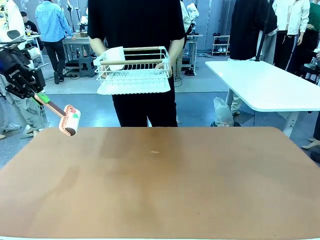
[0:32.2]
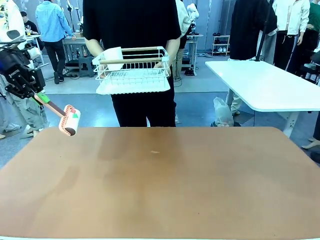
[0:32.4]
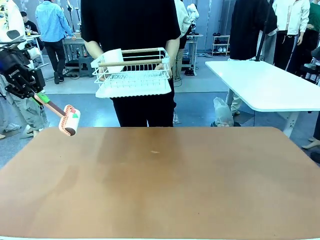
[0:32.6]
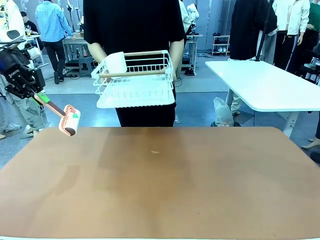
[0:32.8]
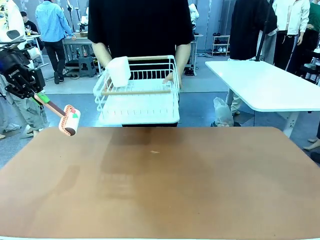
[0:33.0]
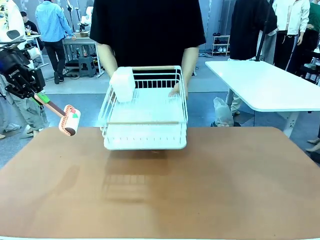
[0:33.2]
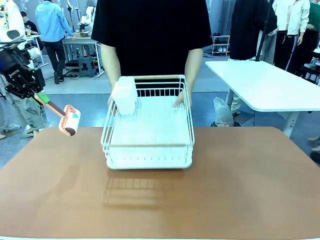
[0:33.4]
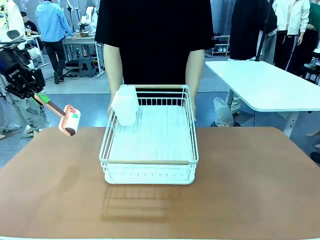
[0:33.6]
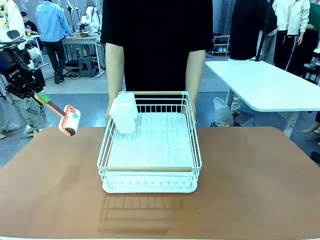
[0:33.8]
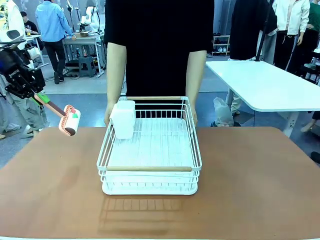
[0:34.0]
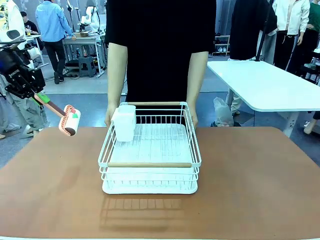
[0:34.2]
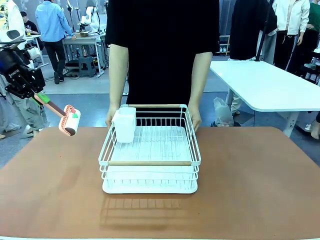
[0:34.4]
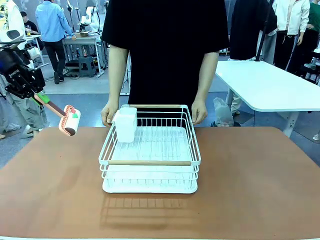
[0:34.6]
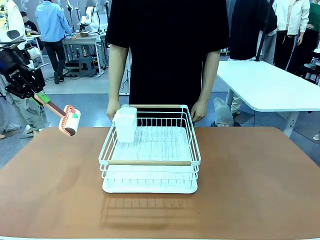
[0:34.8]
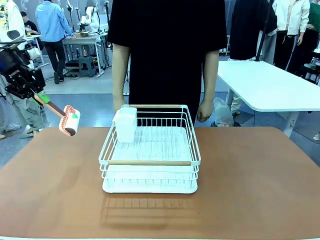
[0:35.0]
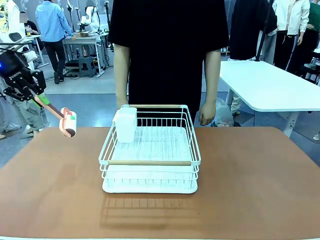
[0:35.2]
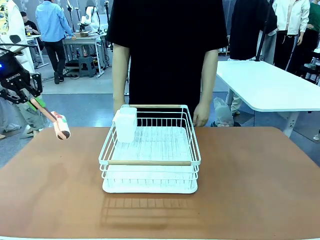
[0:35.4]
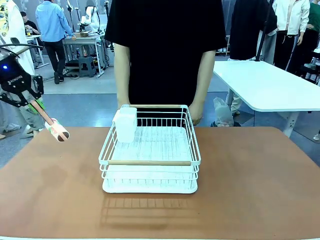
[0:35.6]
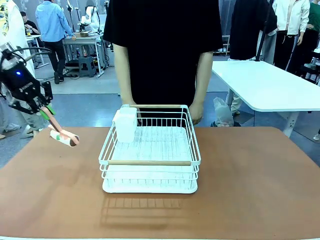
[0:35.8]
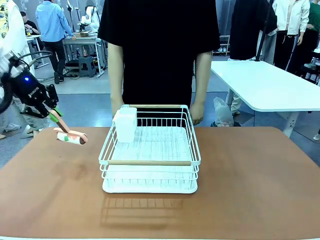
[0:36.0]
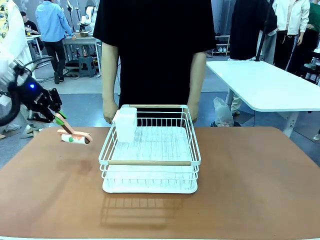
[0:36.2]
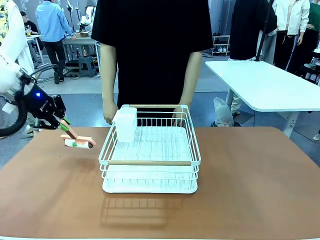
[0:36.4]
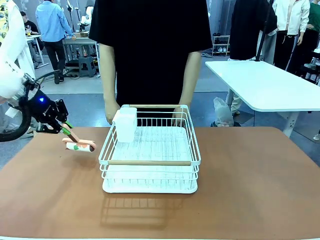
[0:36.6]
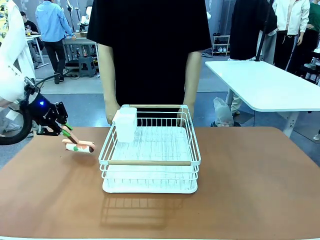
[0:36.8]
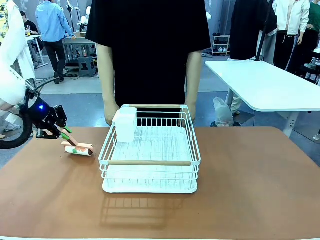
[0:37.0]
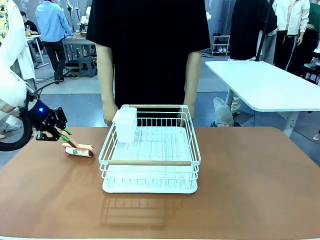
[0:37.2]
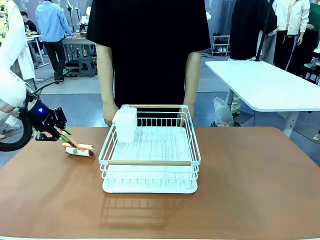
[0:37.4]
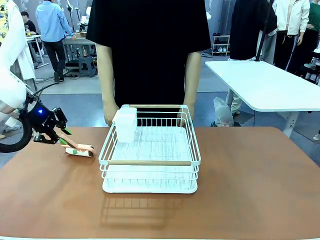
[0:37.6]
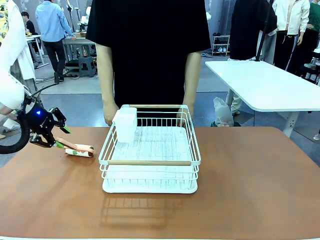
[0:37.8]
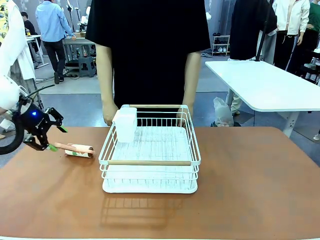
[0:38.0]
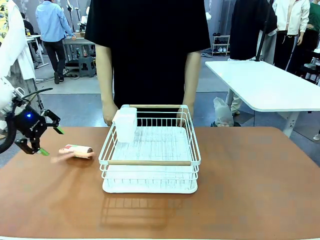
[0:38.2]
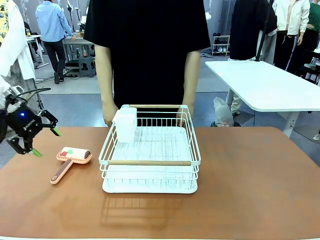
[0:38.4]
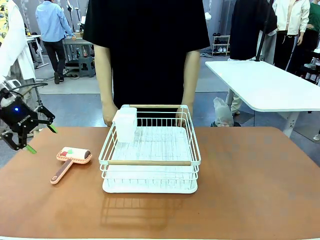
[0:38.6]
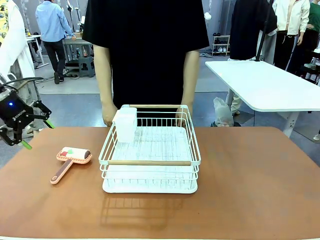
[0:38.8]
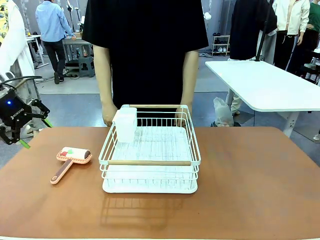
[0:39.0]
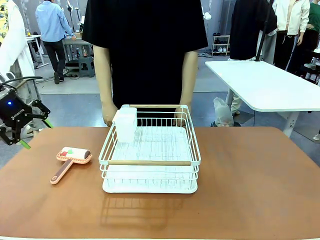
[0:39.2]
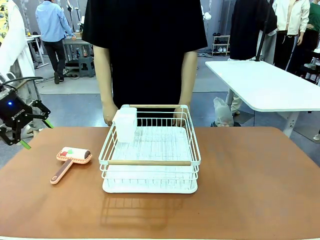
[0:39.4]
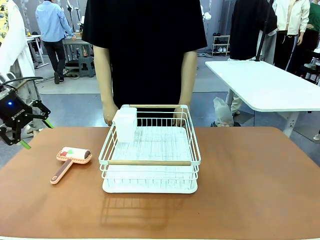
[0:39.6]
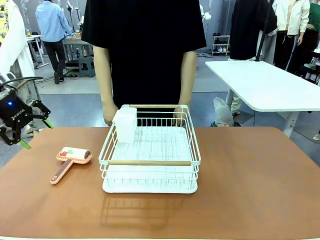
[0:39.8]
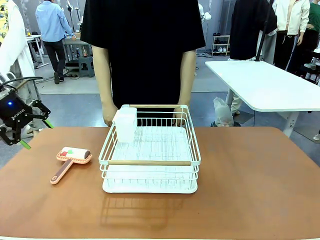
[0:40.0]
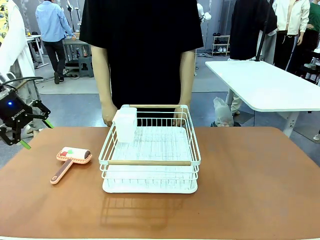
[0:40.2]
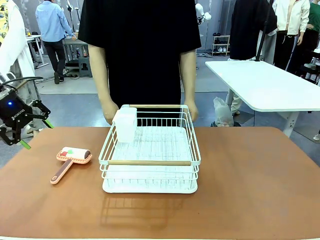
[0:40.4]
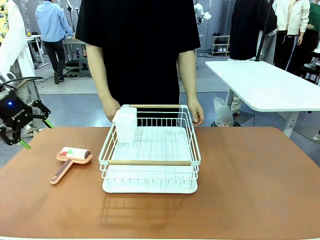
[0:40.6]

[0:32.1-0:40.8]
Task: Clean the table.
Robot: Place the Lint Roller down when the Dish drying rack is positioned in the middle of the table.

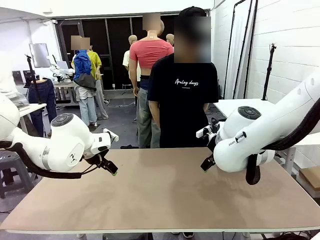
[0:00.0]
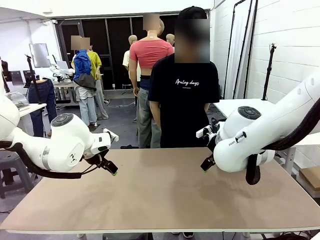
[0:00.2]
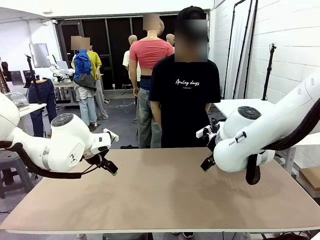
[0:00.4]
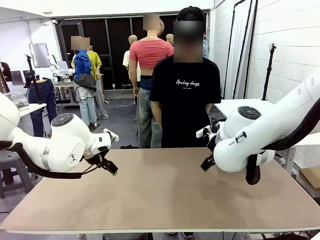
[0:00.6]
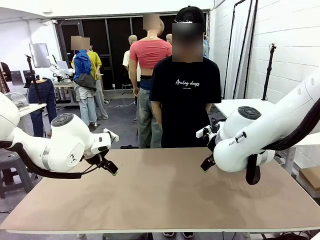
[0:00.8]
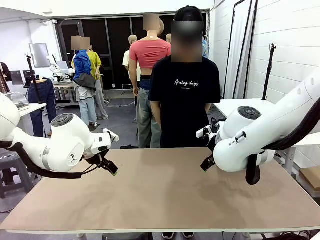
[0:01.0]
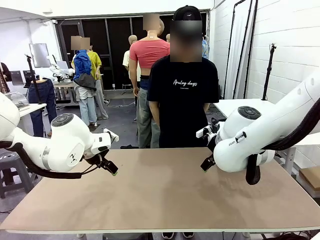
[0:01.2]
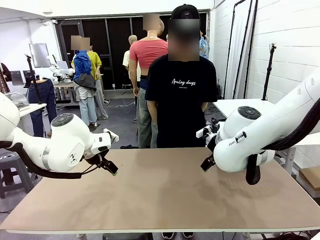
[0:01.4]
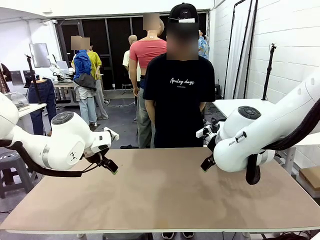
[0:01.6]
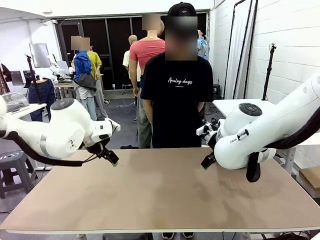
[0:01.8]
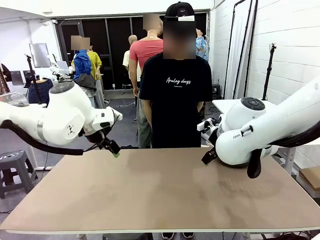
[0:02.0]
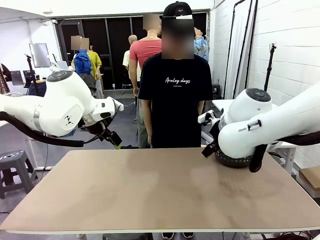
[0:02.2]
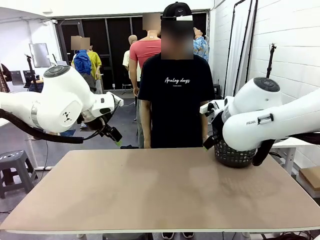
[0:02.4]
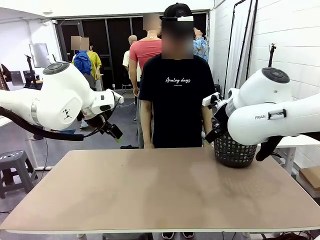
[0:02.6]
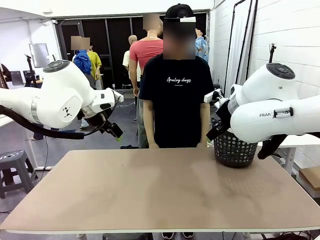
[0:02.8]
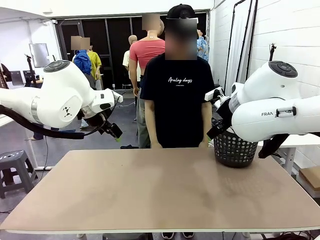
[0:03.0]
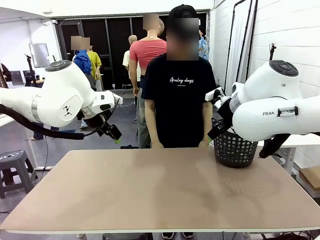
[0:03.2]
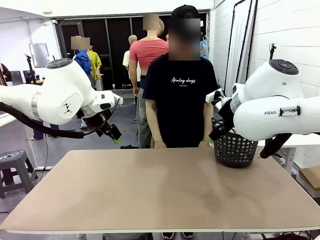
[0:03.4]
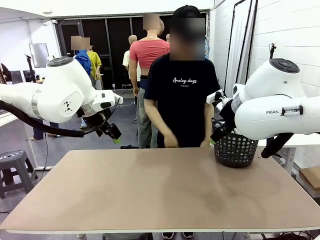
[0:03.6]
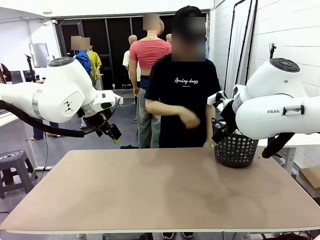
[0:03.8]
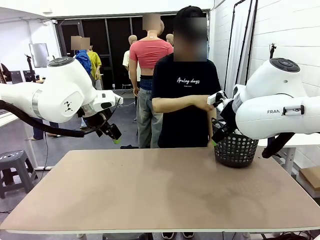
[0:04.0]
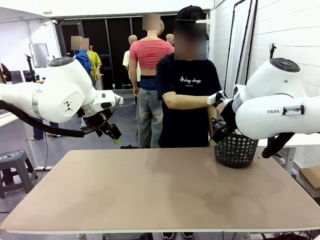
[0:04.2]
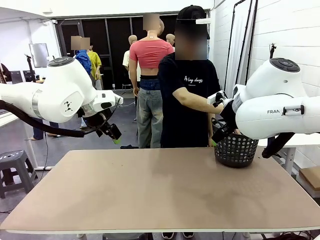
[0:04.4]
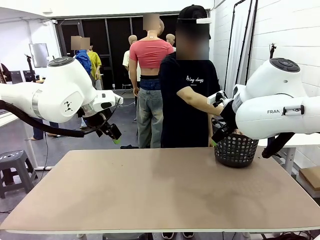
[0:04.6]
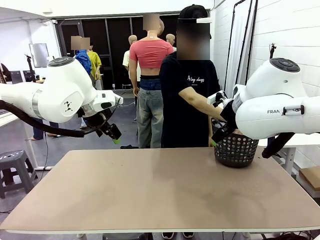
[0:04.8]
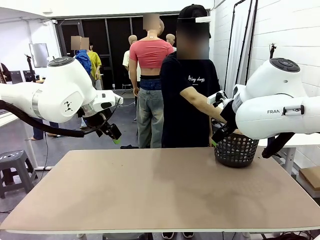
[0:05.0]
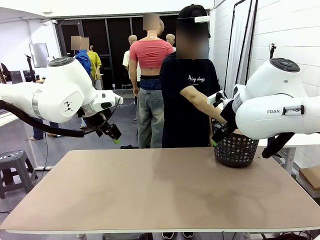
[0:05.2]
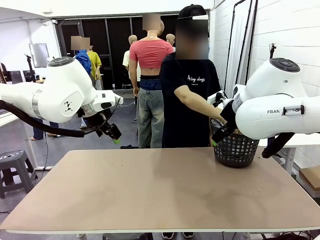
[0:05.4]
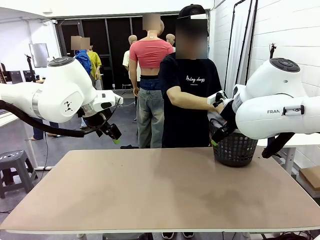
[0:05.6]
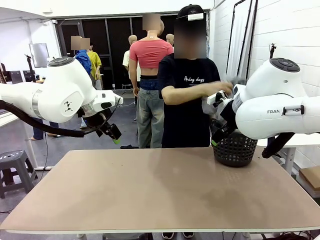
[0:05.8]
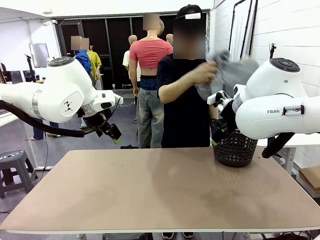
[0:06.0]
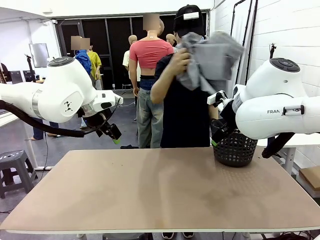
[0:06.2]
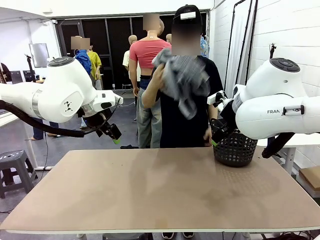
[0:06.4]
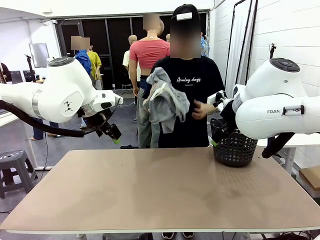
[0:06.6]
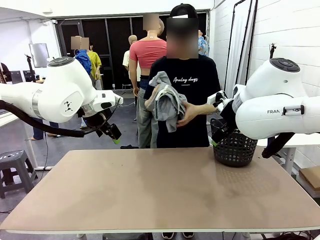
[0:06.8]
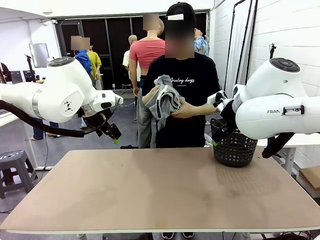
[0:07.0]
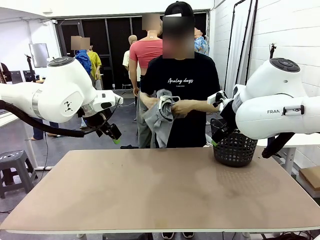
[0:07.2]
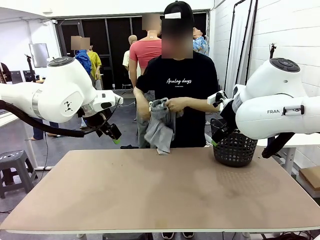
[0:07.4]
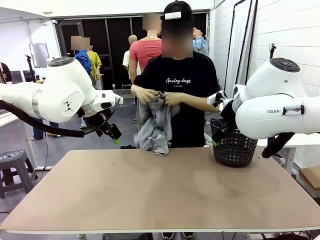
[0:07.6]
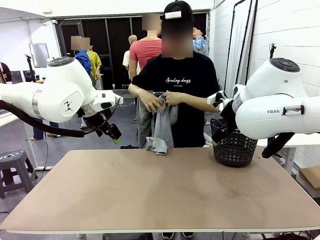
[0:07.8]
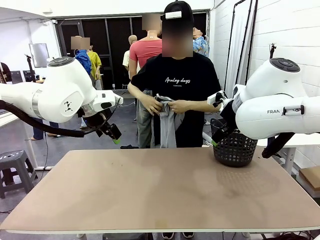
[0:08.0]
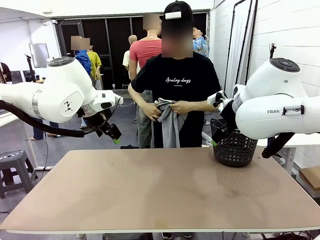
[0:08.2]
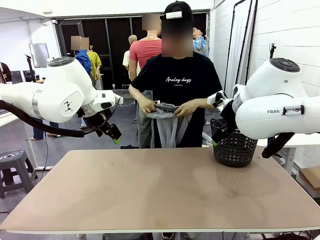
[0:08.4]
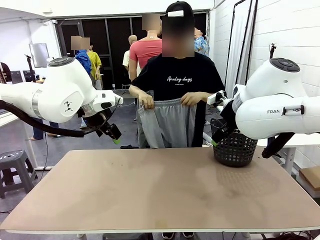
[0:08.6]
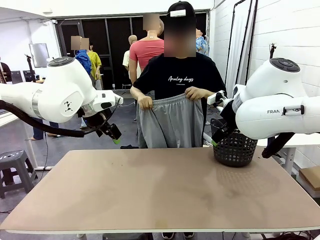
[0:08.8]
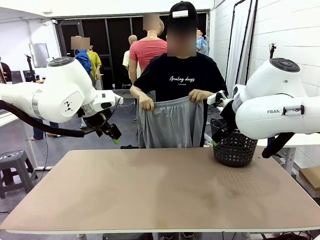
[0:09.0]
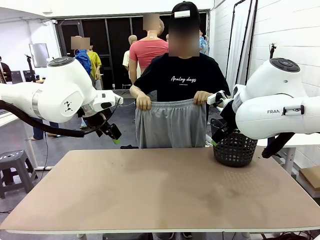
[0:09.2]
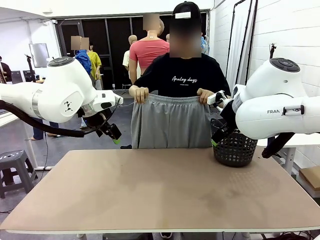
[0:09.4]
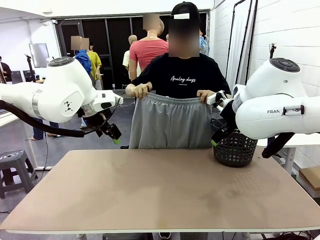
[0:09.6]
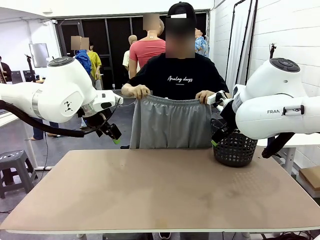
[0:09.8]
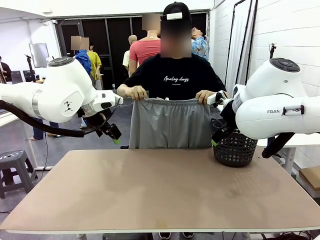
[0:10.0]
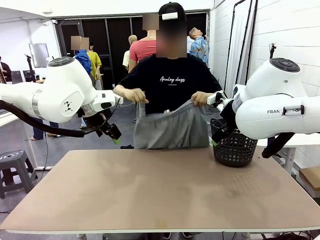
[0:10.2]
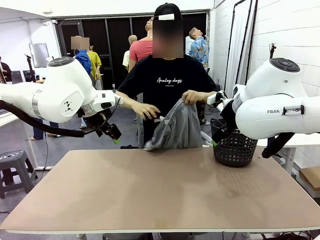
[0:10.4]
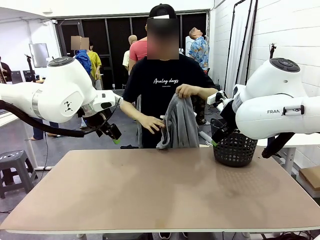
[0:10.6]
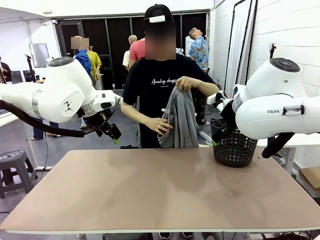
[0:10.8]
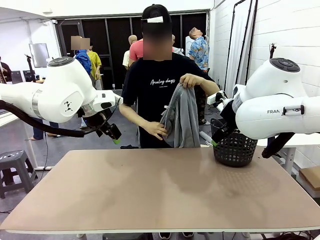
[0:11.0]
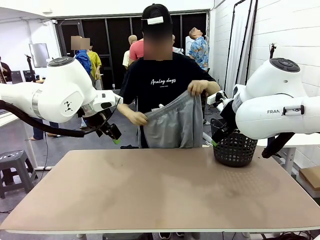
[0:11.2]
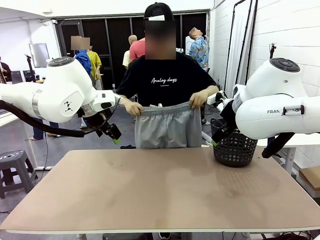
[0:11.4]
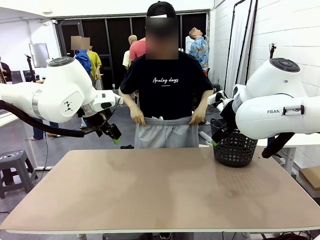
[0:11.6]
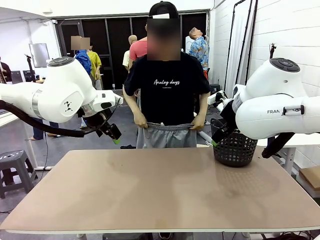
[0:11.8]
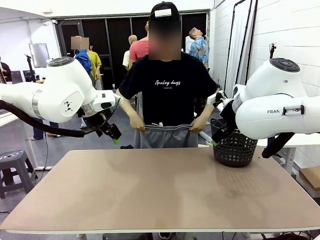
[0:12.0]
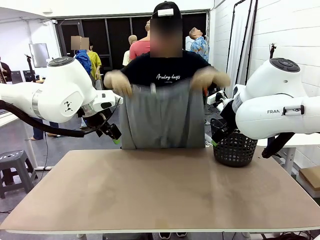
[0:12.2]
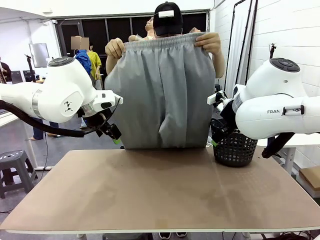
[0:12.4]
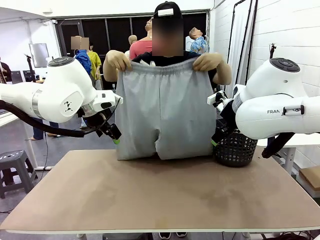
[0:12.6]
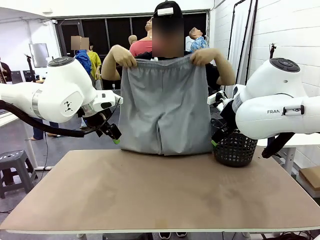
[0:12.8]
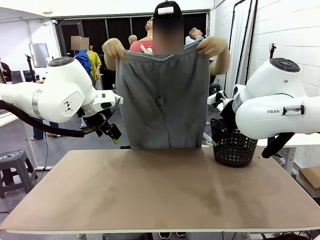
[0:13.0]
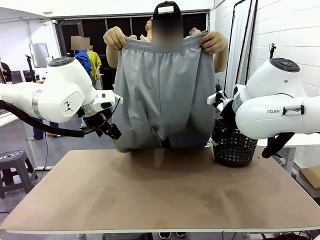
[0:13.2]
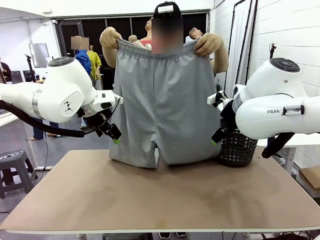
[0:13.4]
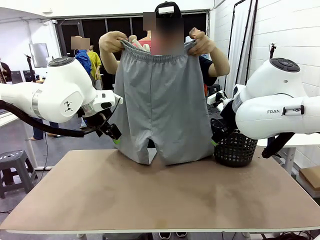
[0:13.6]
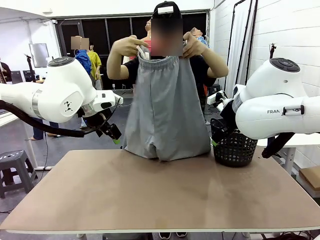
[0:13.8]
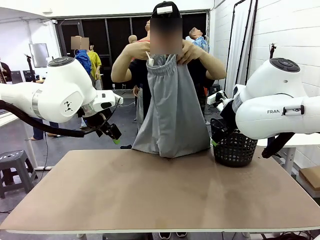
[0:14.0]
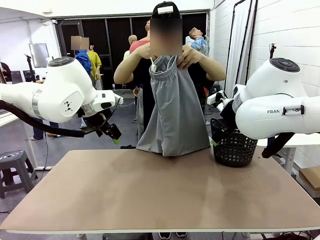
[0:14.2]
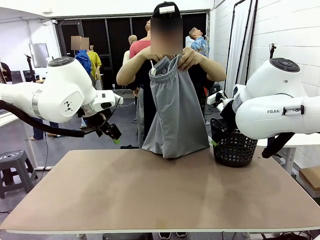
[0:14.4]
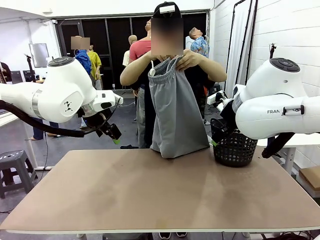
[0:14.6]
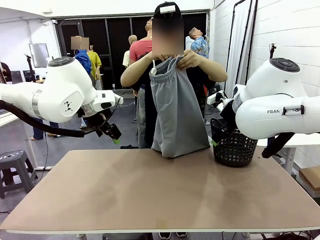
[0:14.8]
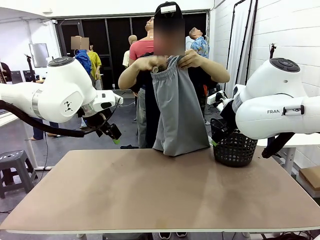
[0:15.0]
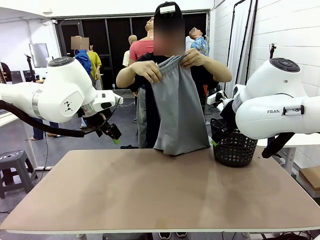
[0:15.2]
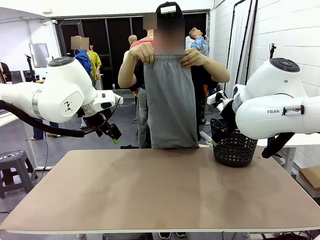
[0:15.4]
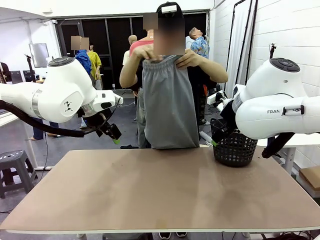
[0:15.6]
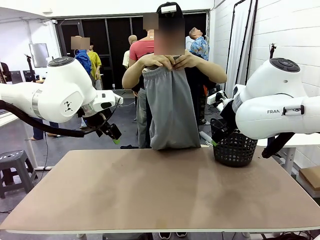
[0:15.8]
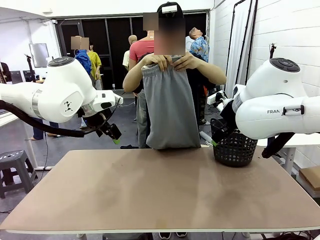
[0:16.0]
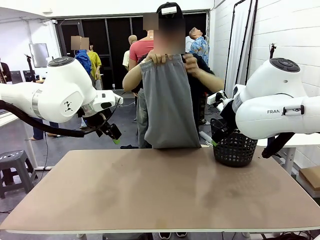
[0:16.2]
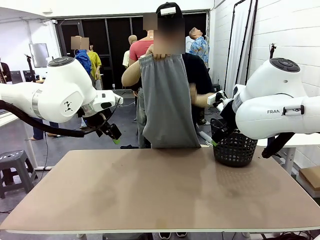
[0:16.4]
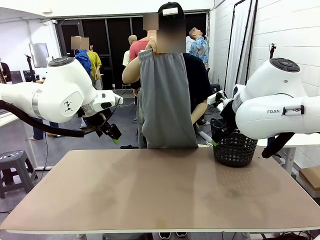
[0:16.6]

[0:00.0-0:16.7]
Task: Fold the training pants.
Robot: Grab both ends of the Training pants handed by a person.
Person: Take the long pants out of the laundry basket, unfold them, fold the waist in half, and extend them so the robot can pick up both corners.
